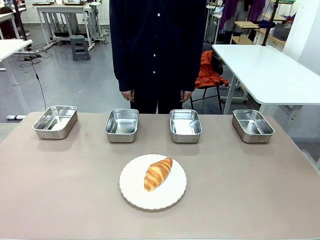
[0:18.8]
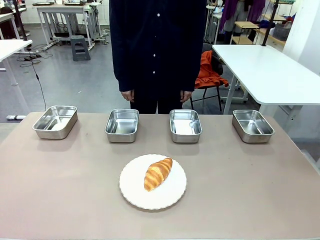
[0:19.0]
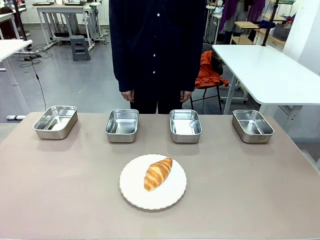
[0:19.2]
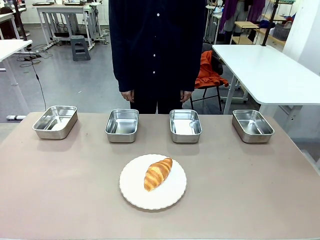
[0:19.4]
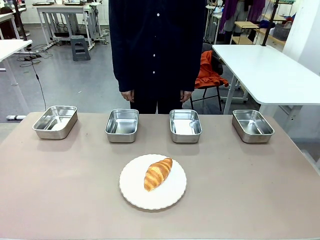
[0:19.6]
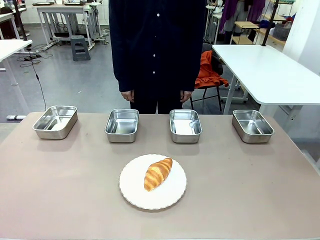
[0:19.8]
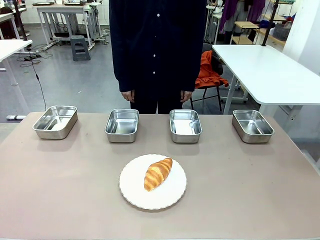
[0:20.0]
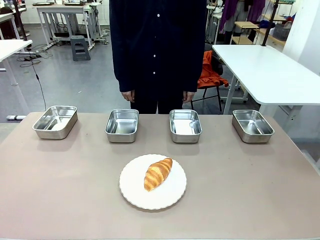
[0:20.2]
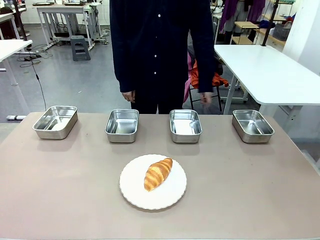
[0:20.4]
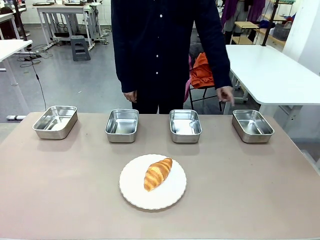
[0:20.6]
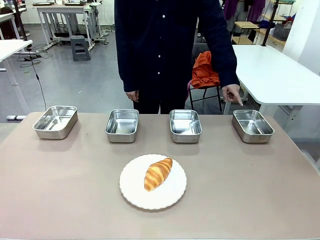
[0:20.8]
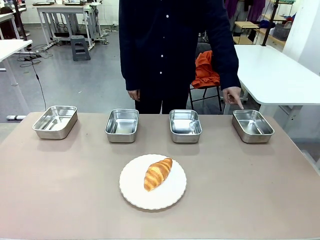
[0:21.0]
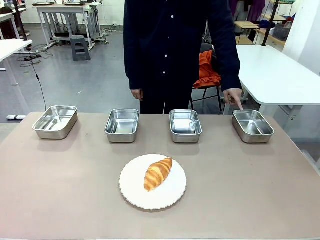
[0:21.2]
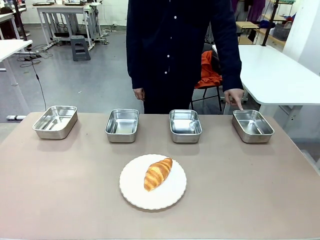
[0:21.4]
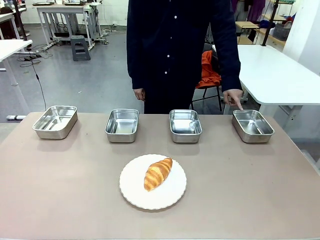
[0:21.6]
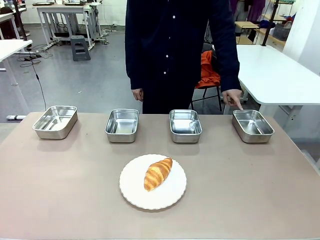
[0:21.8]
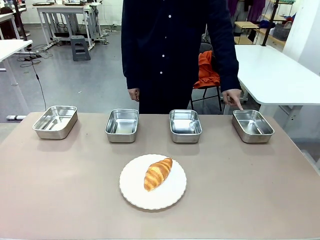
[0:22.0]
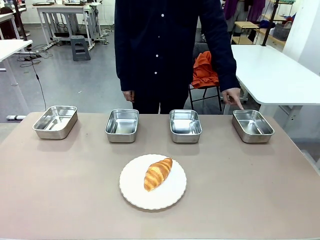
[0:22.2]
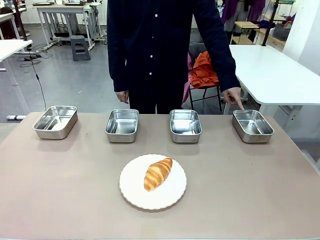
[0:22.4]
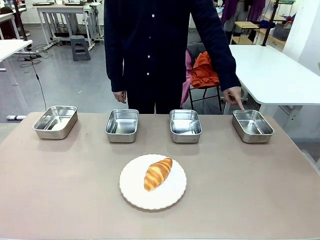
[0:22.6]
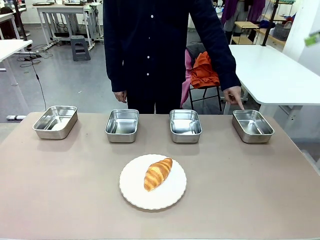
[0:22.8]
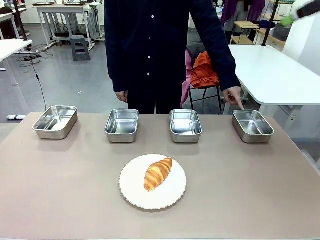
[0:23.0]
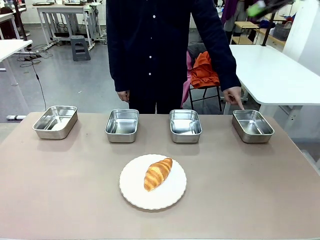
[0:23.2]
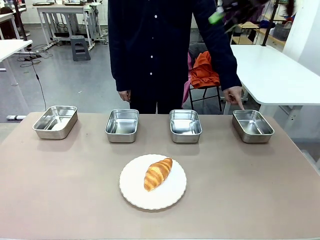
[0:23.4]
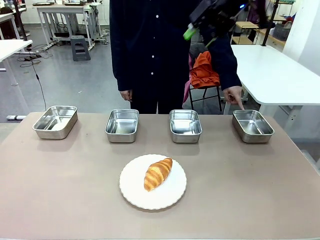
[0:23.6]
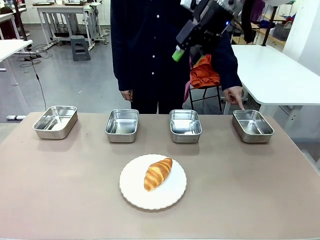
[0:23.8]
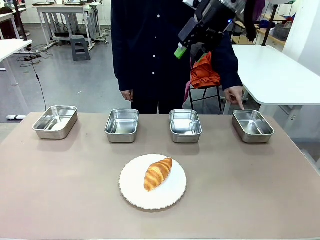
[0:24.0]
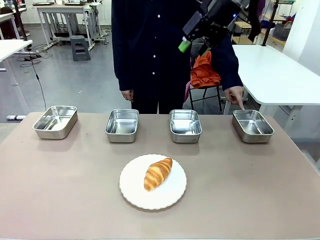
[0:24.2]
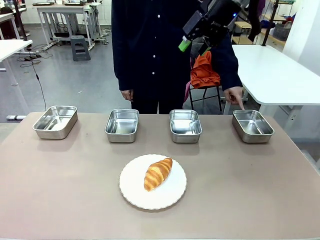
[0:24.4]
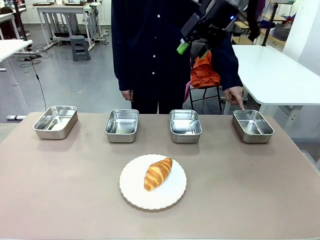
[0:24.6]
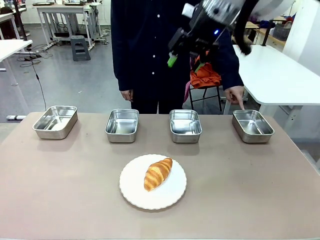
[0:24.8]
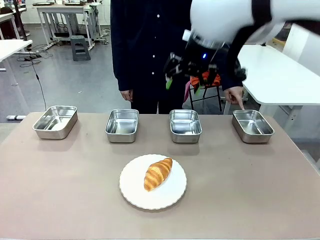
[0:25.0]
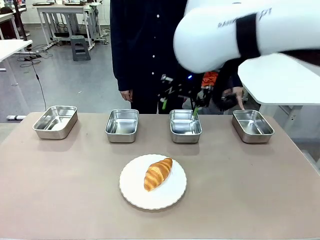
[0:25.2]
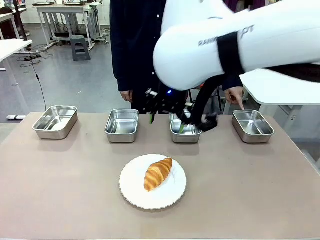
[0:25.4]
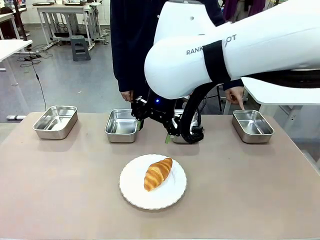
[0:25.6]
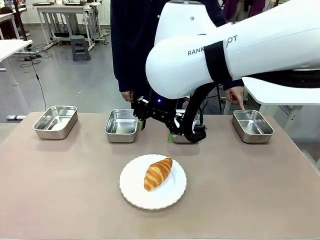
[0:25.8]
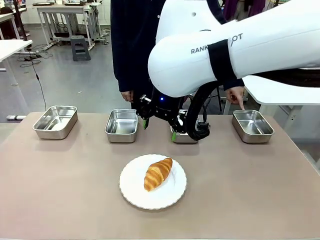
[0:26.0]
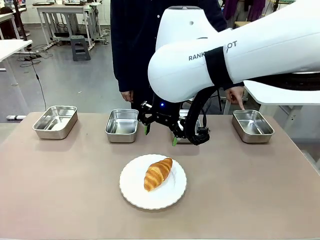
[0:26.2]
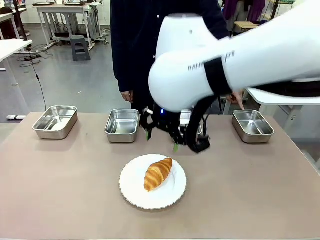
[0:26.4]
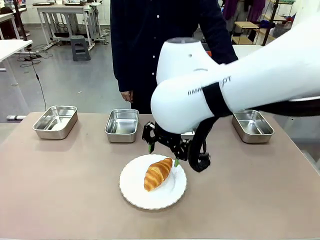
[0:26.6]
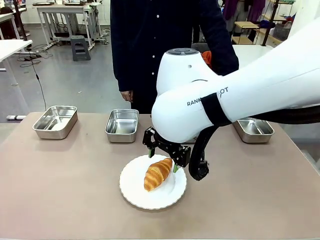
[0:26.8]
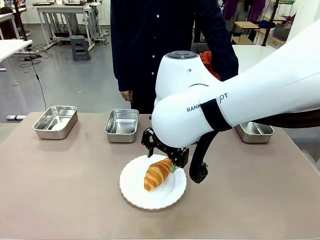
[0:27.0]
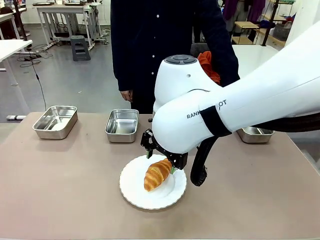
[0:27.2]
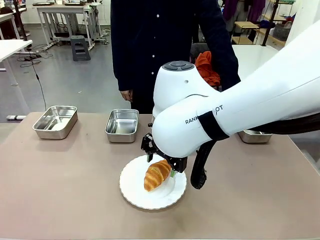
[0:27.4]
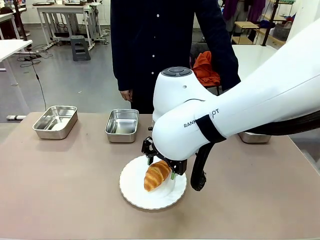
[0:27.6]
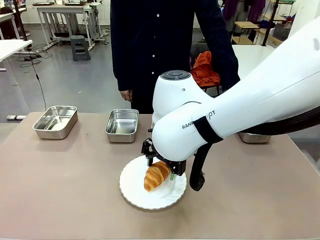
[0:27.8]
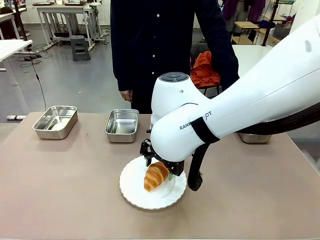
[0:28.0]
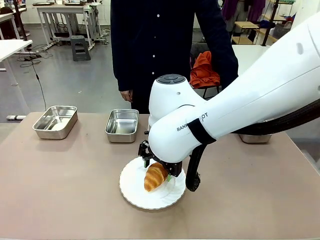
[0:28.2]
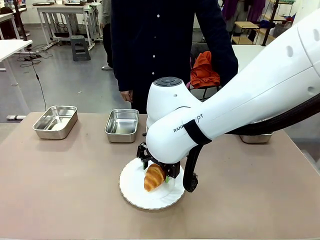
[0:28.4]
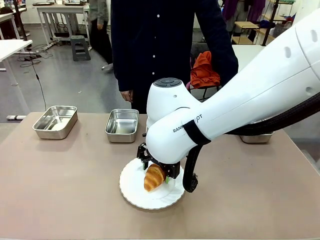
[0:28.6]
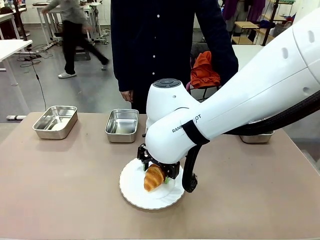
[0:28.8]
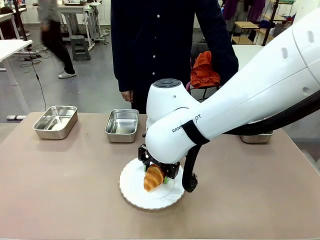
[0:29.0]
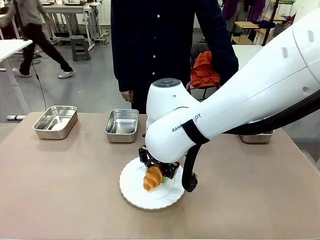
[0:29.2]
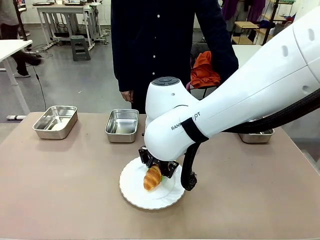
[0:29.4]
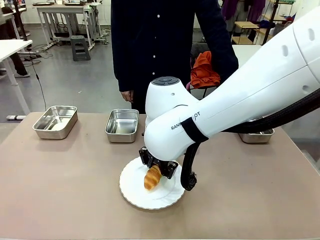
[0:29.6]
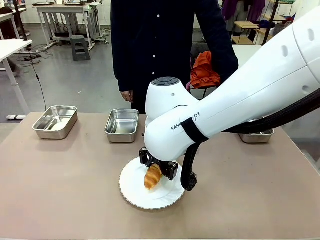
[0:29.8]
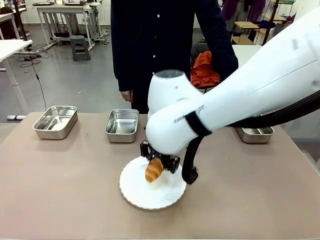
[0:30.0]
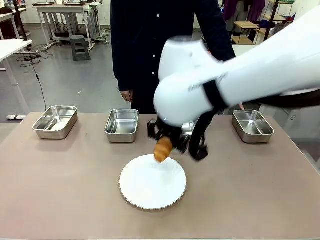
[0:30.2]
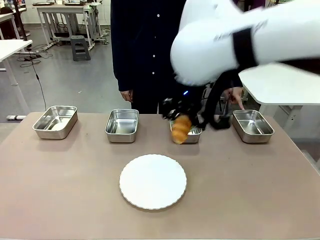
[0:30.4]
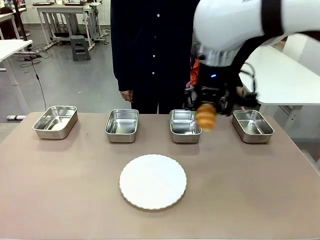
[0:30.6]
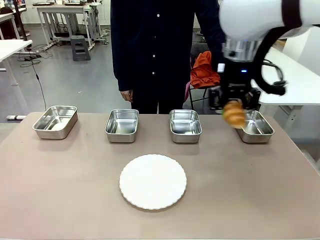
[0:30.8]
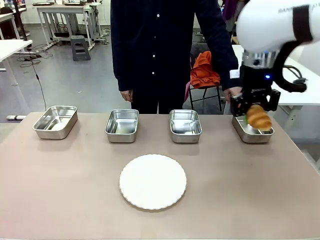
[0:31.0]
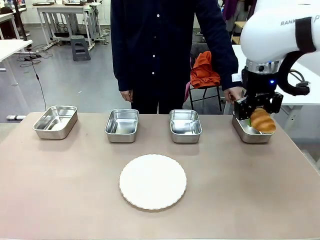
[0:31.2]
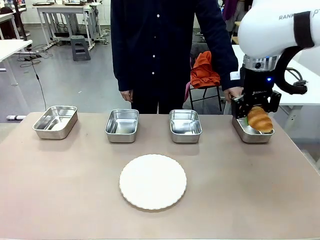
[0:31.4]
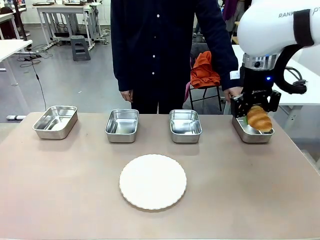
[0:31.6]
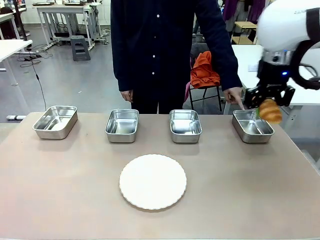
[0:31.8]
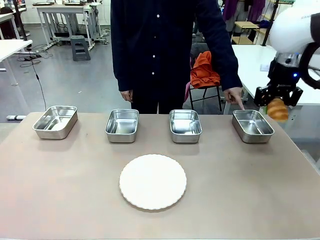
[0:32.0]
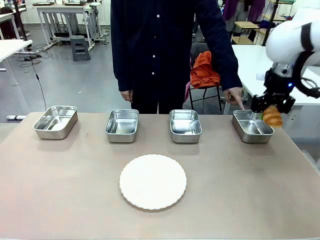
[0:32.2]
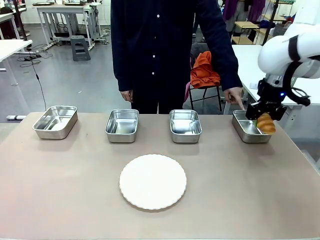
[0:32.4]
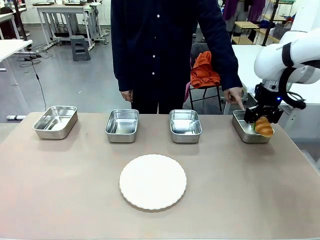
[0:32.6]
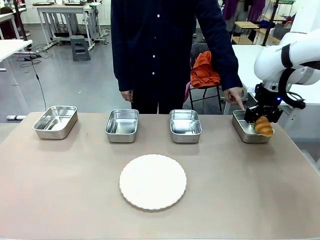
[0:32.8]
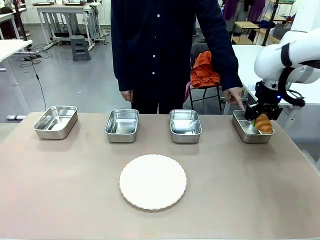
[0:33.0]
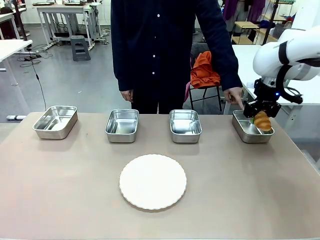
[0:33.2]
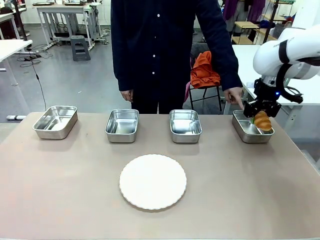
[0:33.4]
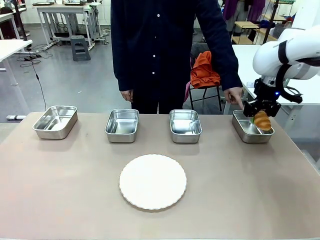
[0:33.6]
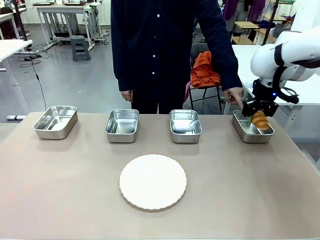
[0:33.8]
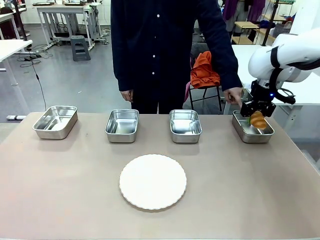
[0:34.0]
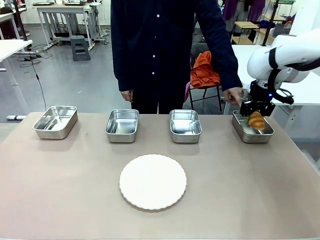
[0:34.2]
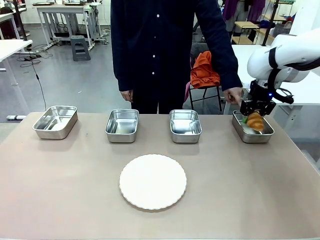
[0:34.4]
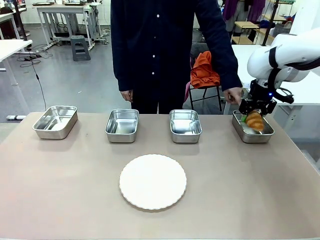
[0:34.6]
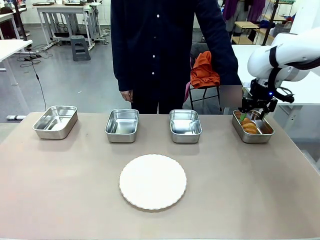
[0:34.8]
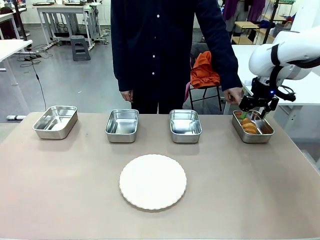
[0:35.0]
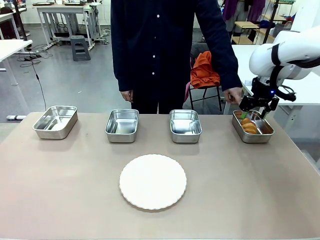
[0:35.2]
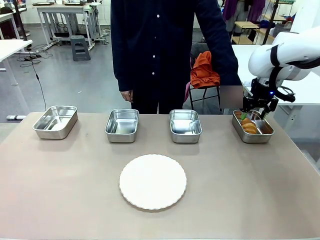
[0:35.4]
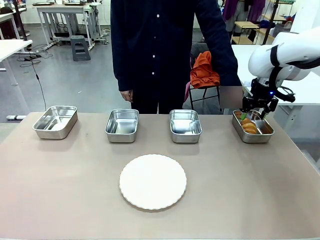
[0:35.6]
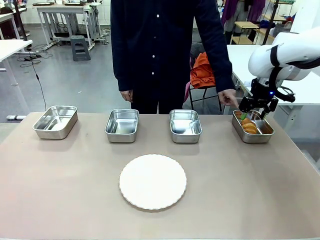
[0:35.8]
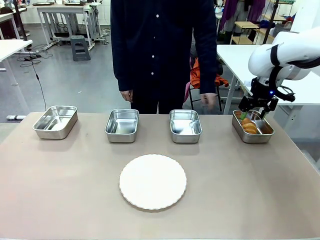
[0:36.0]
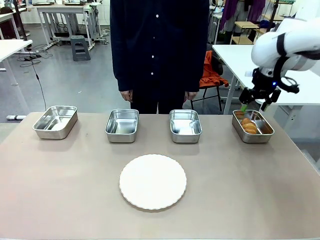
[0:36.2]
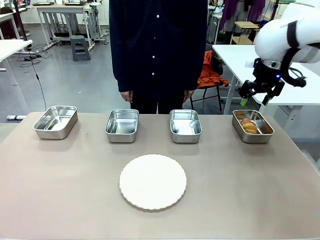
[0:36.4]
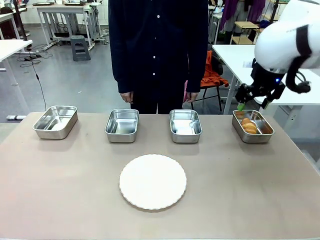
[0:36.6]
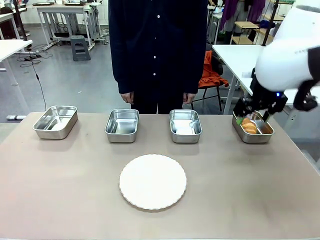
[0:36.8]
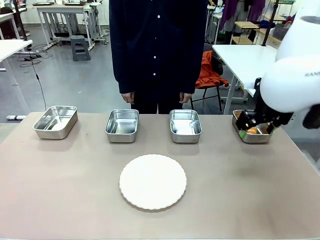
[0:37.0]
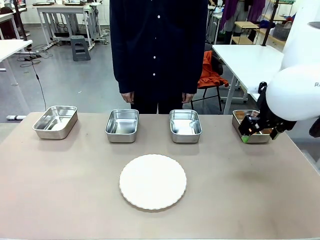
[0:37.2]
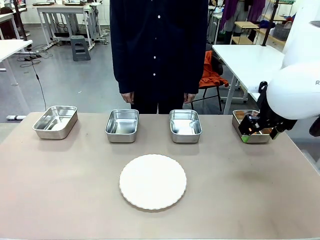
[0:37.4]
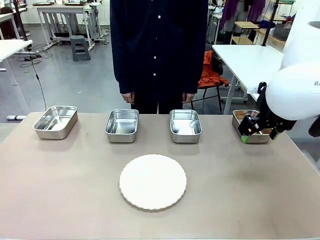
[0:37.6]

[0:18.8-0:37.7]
Task: Place the bread in the container.
Robot: Place the Butter Roll into the Airtight Container indicated by the human.
Person: A person randomly selects and points to an Airtight Container.
